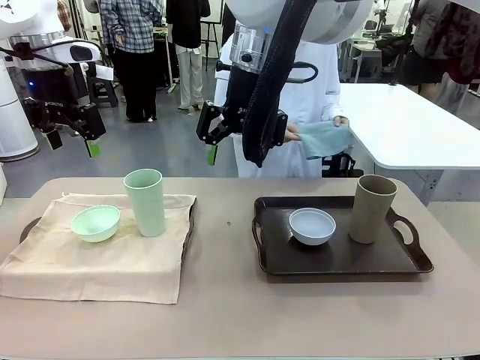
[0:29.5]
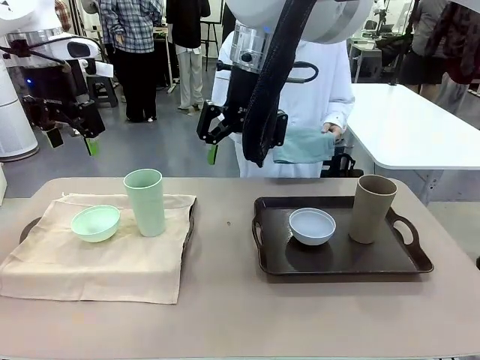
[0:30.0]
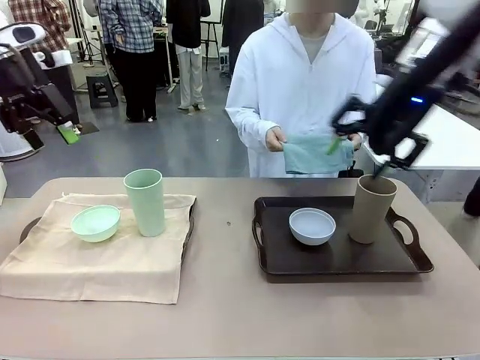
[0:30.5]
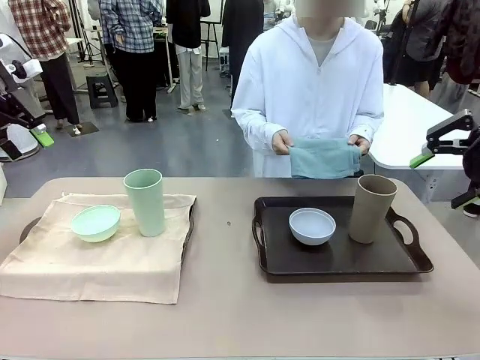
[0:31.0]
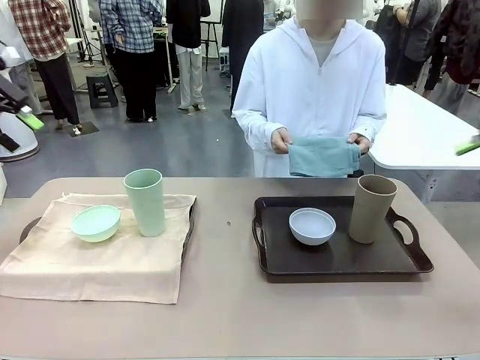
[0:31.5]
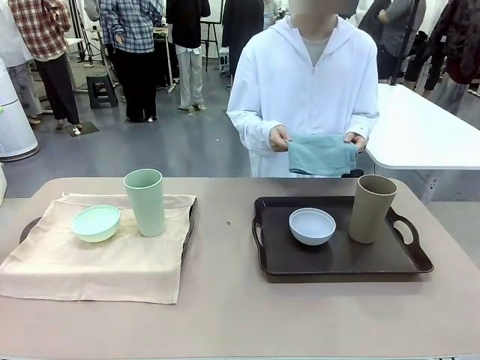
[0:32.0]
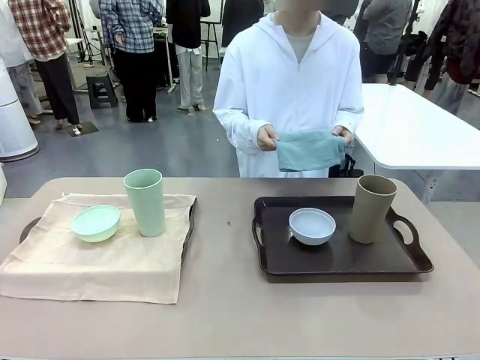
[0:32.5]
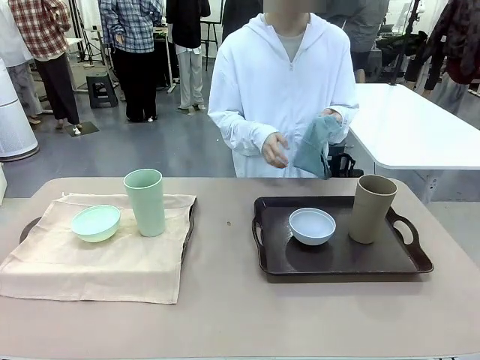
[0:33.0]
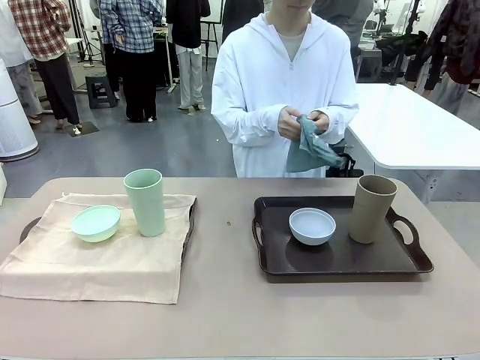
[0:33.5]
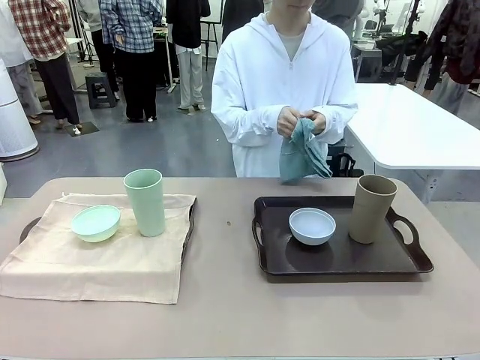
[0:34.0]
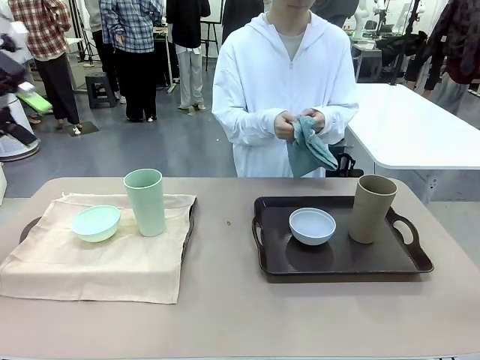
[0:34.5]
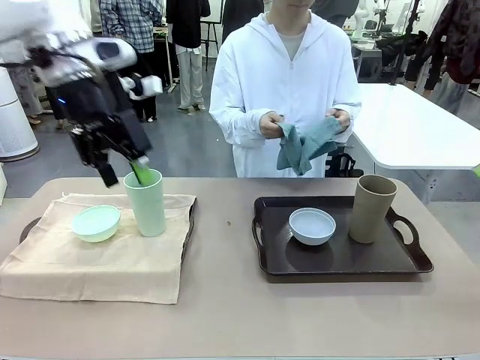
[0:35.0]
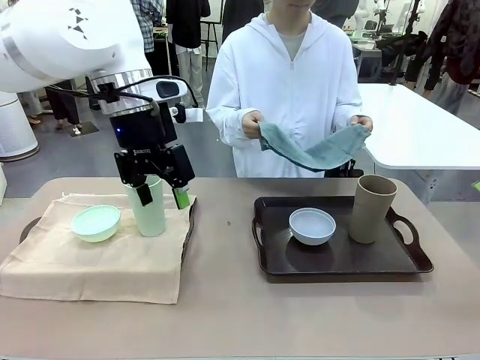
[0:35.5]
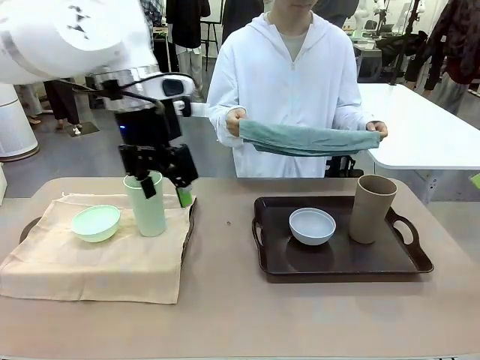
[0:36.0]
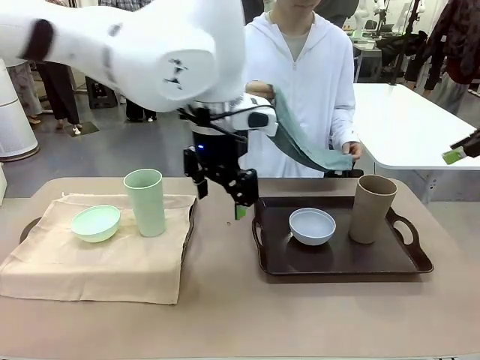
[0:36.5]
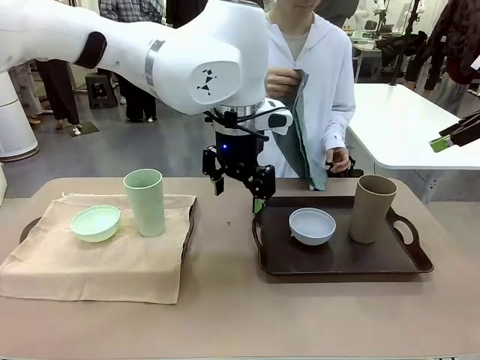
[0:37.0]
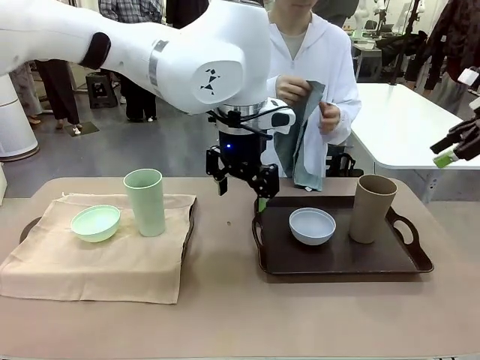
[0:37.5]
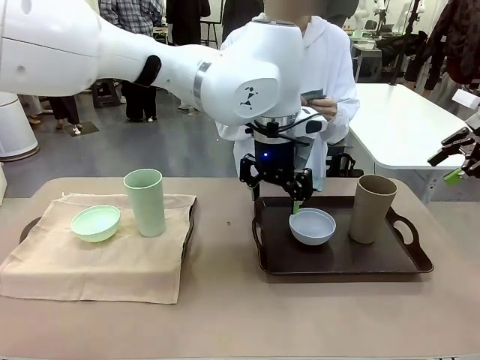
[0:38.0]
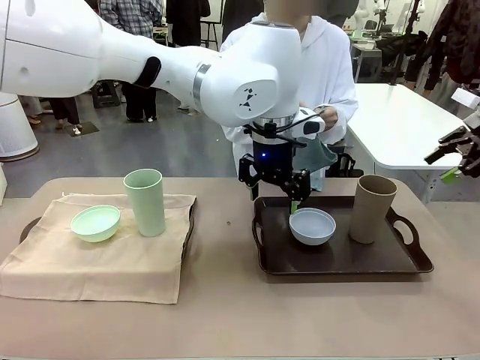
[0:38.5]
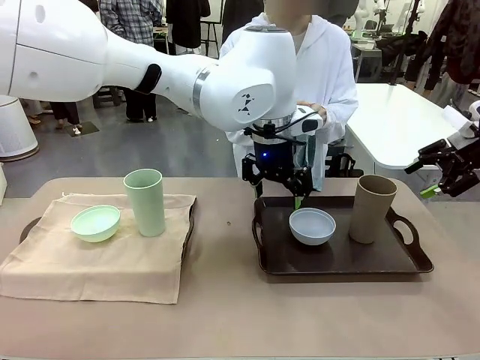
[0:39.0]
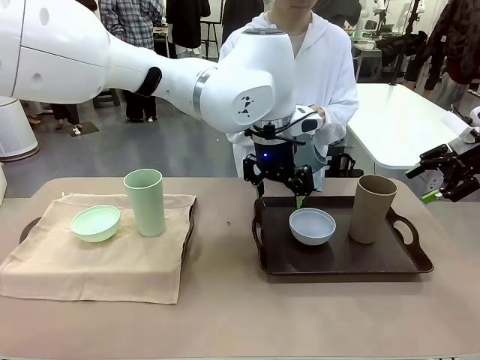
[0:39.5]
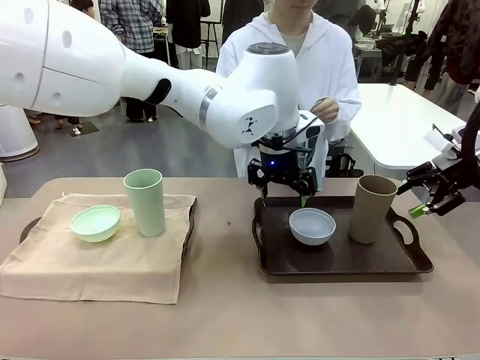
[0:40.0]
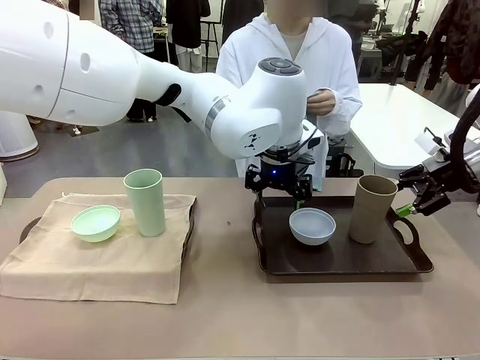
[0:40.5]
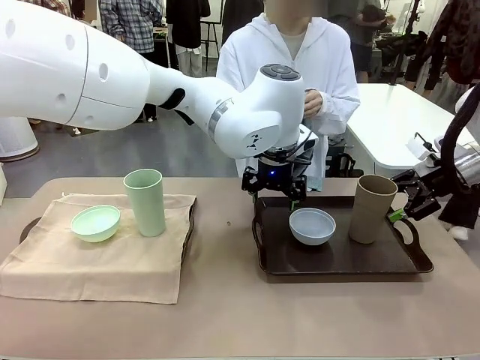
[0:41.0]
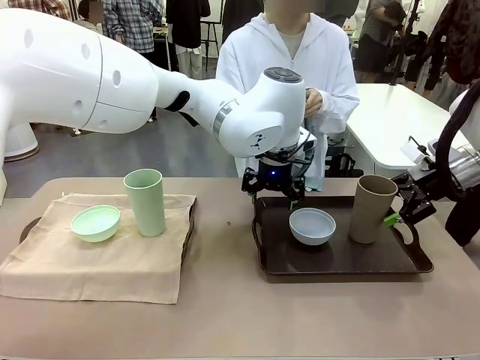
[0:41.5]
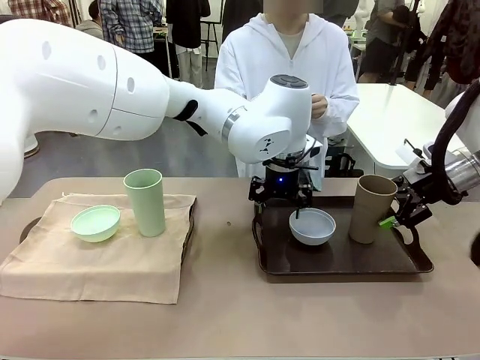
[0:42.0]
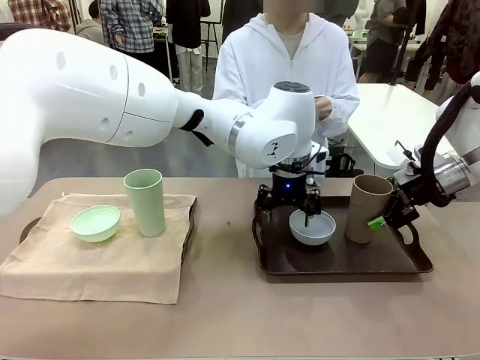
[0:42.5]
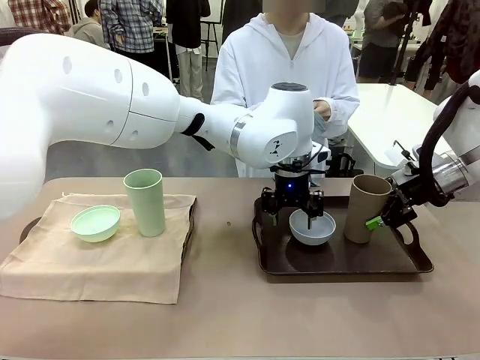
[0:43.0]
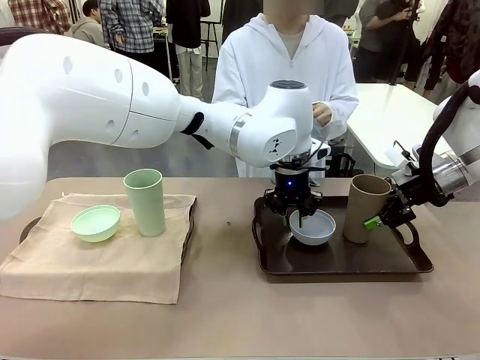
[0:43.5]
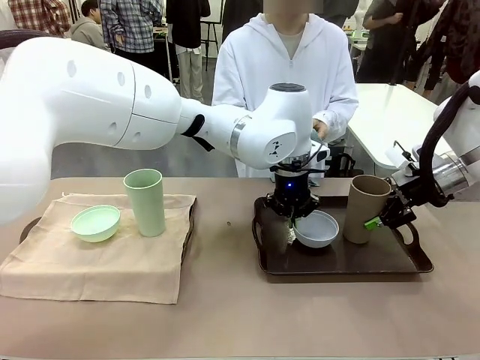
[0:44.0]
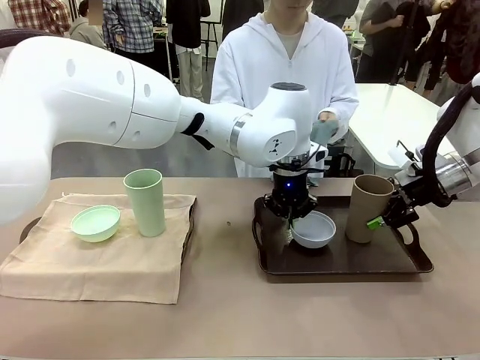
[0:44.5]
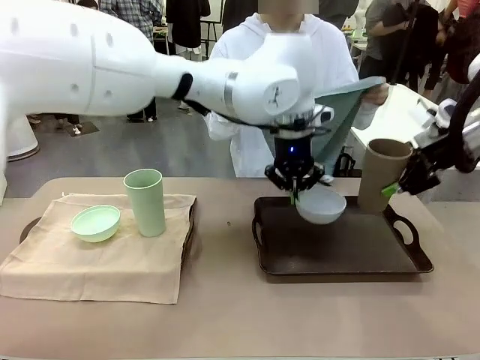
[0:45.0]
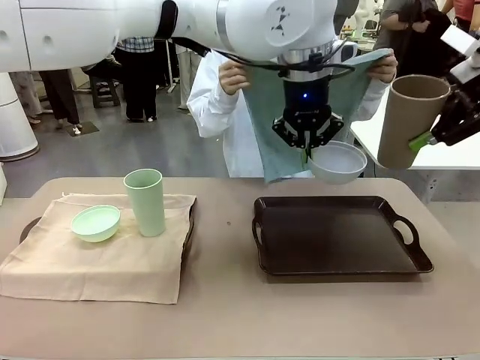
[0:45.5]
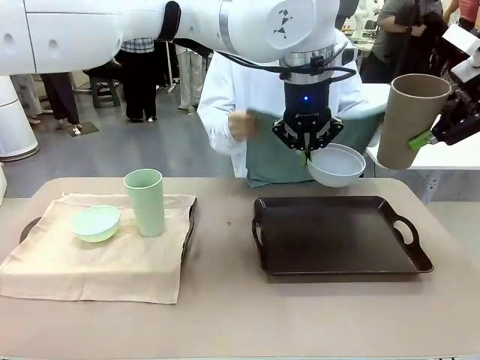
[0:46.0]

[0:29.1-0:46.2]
Robot: Pick up the Picnic Bowl and Reusable plastic cup from the Handle tray in front of the human's position and hold them in the air.
Person: When the robot lifts the bowl and the cup, the human unfolds the napkin and lays the napkin flat on the tray.

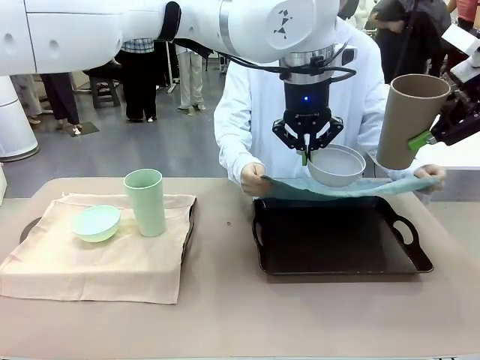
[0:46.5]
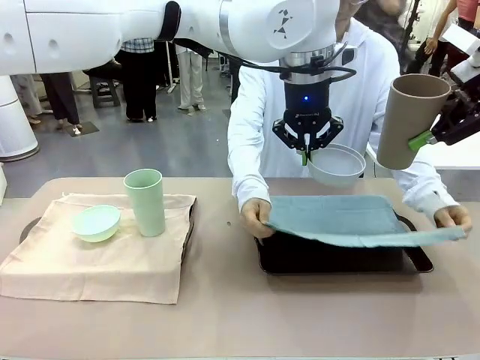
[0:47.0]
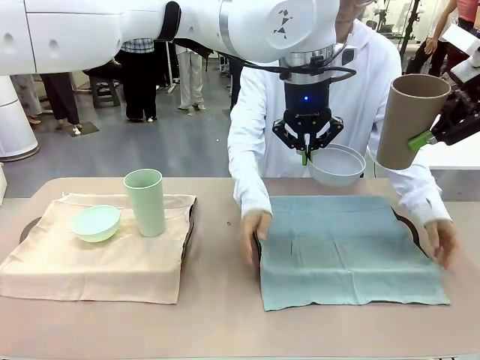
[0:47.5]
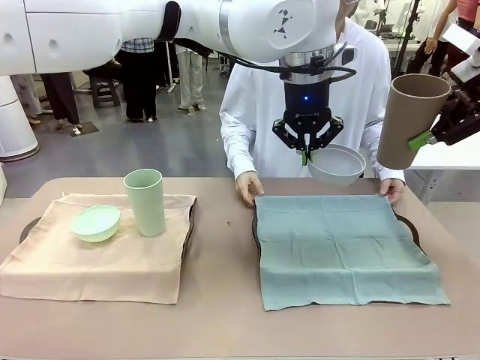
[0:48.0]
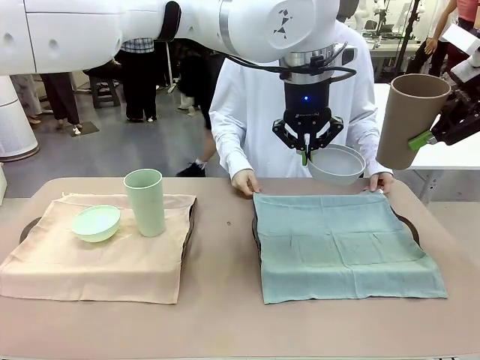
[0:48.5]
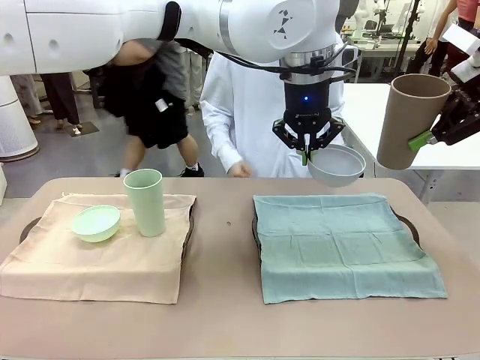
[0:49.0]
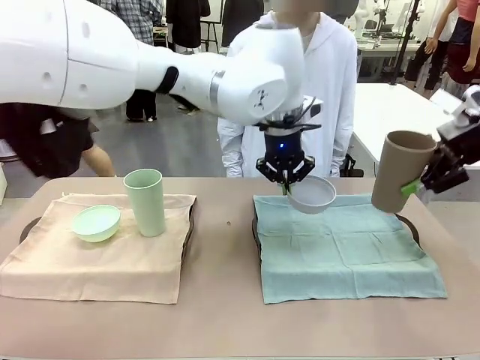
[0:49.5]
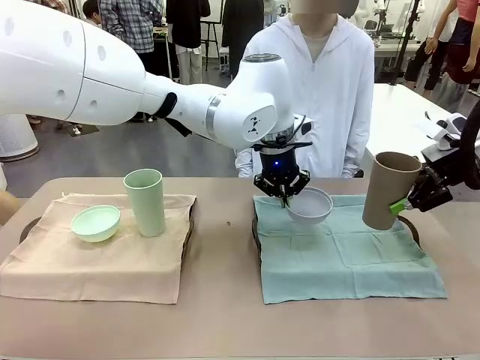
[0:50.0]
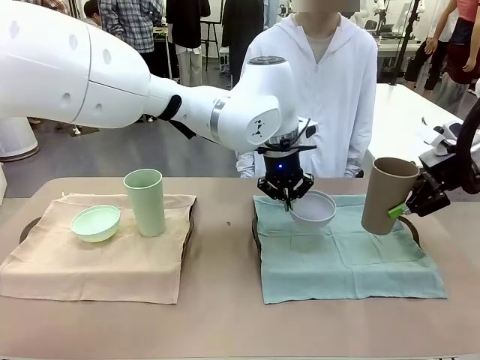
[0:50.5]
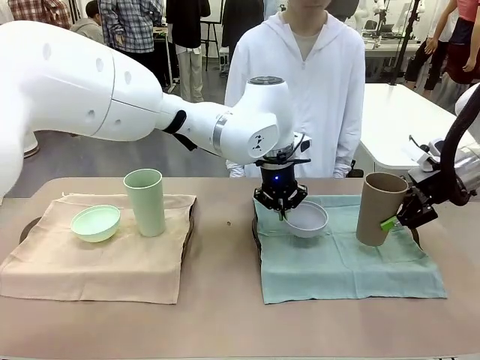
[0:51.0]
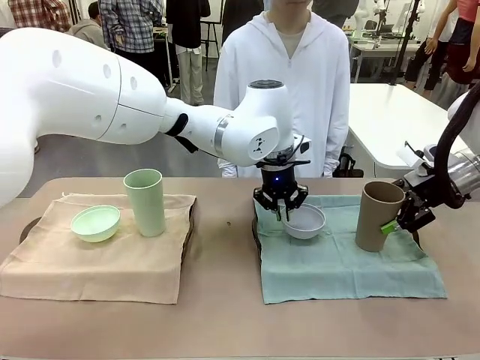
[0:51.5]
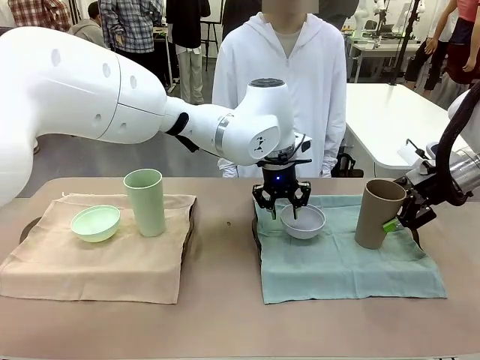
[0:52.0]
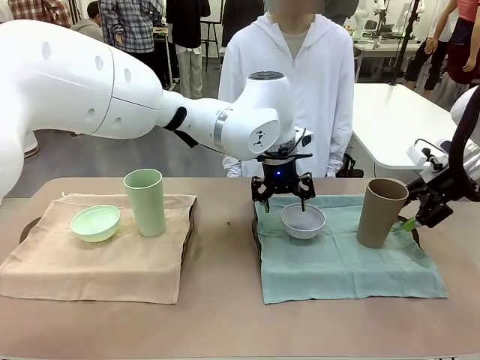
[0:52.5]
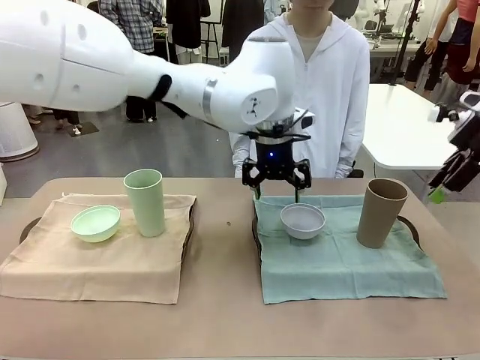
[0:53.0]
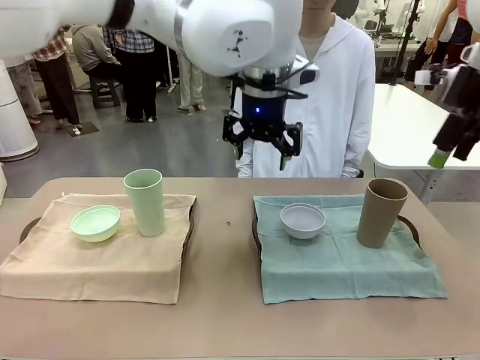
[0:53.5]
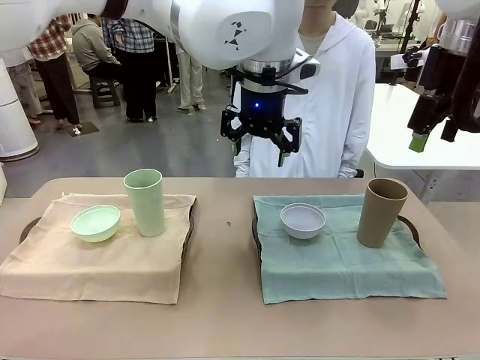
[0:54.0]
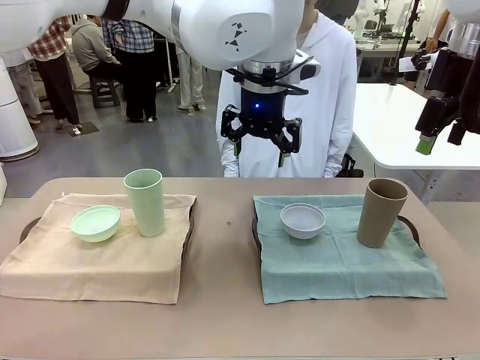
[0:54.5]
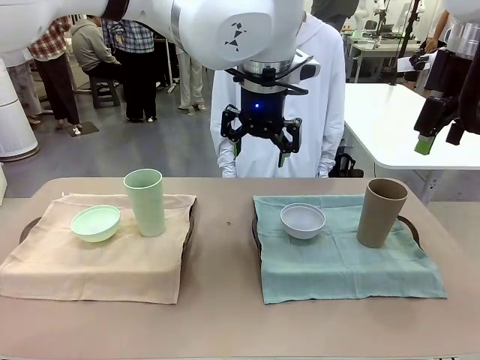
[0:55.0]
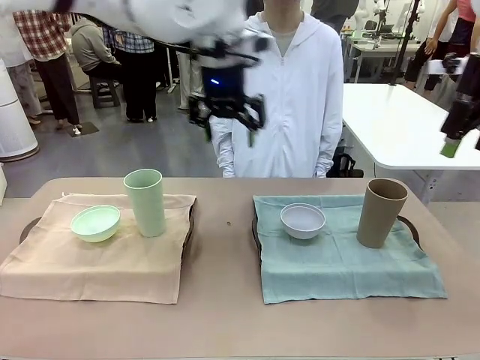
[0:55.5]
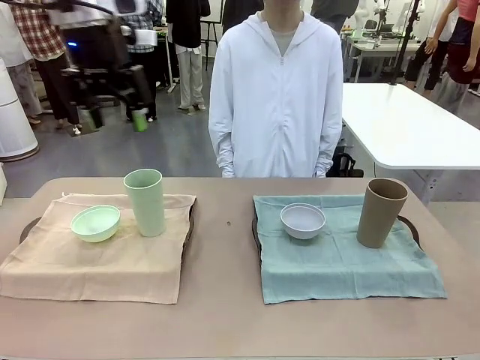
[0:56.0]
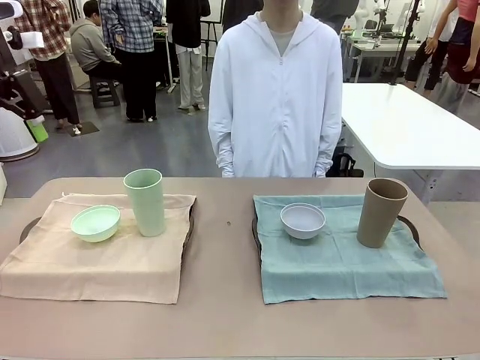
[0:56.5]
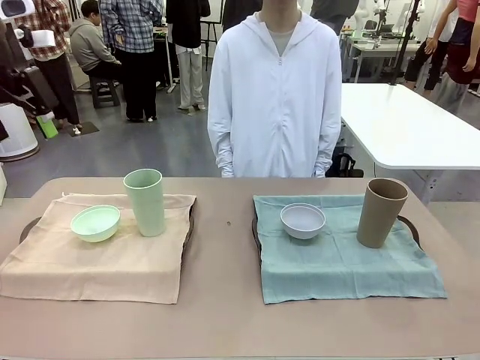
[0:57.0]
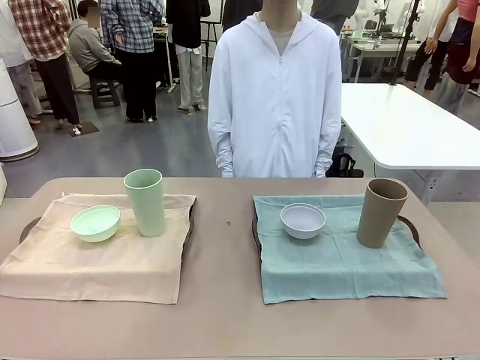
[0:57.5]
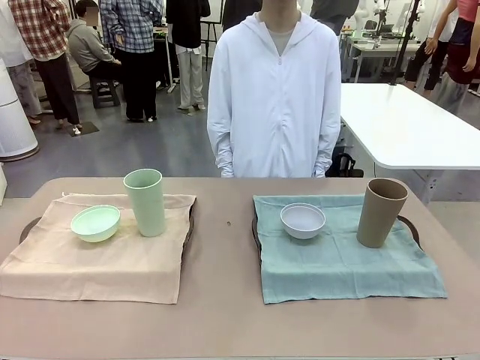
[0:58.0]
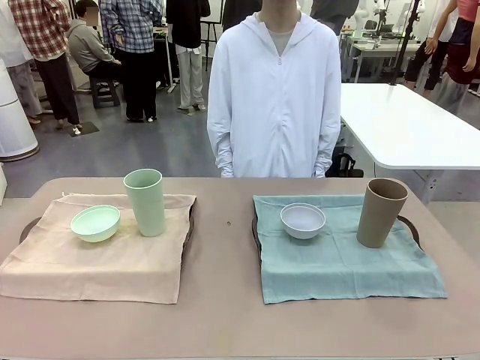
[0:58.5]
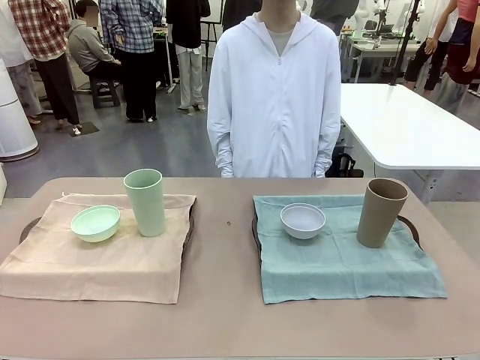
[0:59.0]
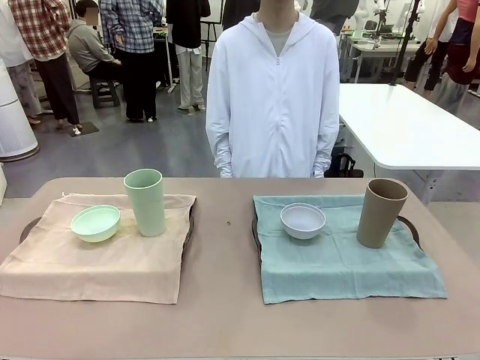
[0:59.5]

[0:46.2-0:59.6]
Robot: Place the Picnic Bowl and Reusable plastic cup back onto the Handle tray in front of the human's position.
